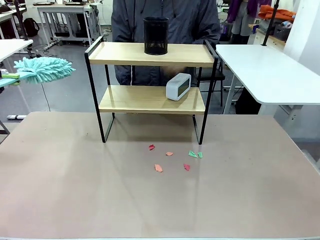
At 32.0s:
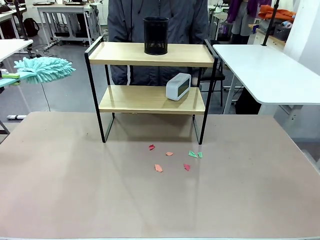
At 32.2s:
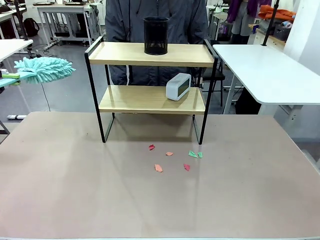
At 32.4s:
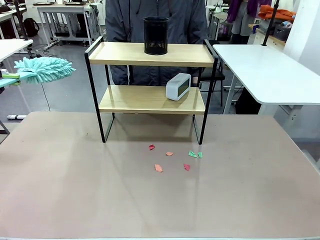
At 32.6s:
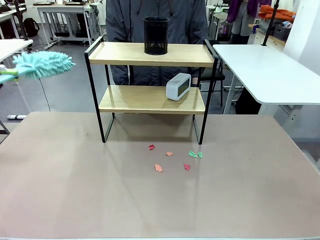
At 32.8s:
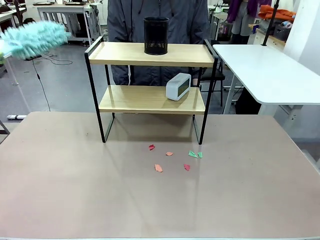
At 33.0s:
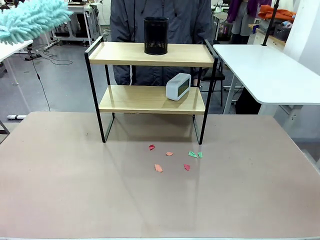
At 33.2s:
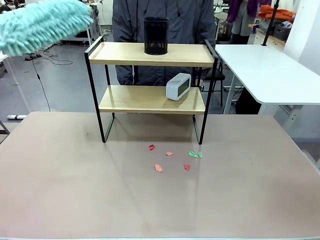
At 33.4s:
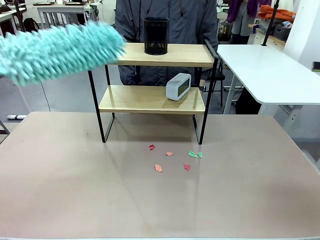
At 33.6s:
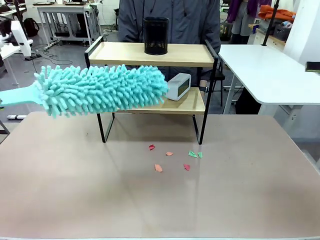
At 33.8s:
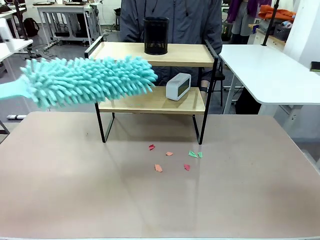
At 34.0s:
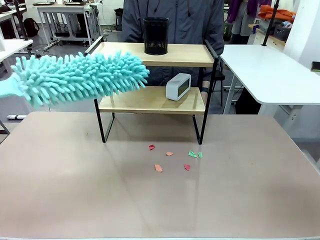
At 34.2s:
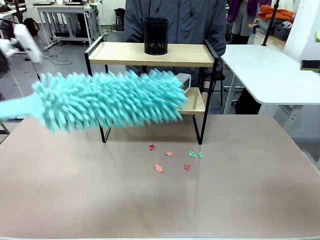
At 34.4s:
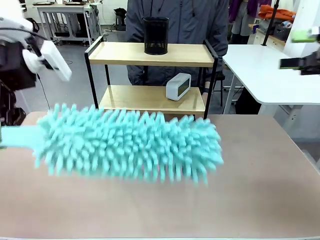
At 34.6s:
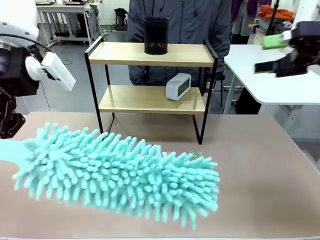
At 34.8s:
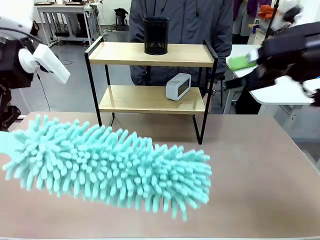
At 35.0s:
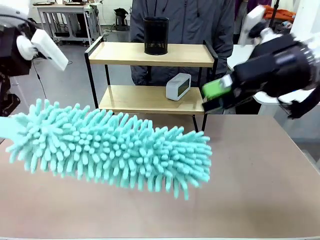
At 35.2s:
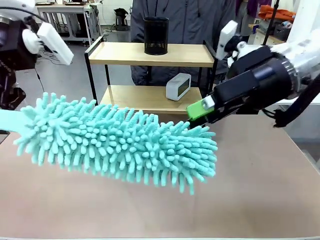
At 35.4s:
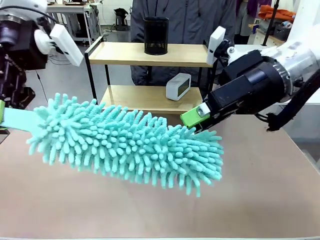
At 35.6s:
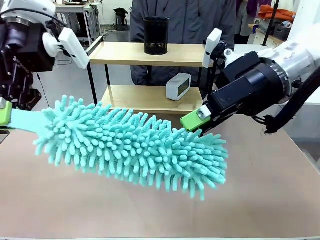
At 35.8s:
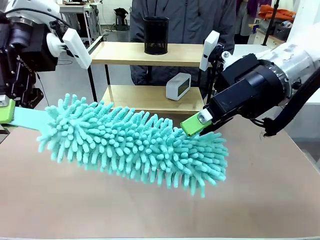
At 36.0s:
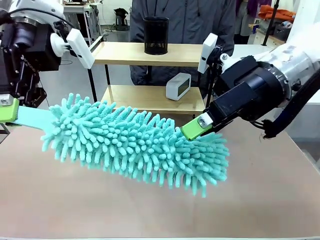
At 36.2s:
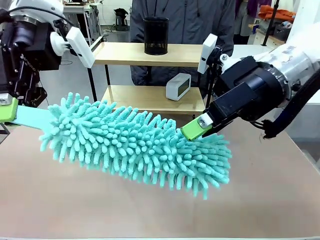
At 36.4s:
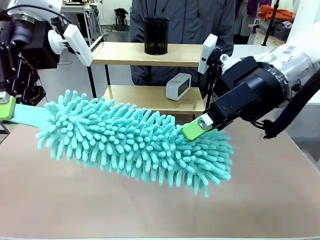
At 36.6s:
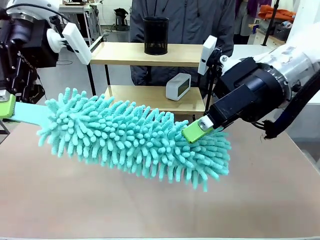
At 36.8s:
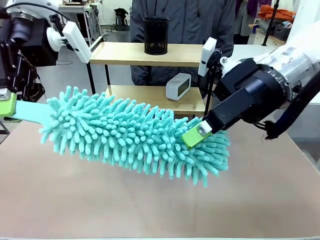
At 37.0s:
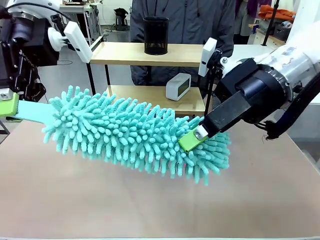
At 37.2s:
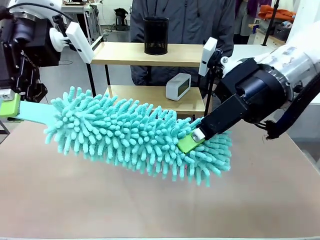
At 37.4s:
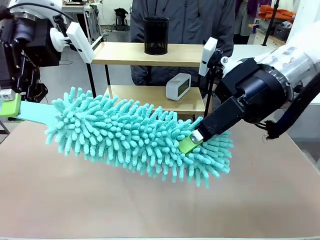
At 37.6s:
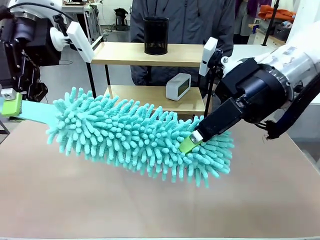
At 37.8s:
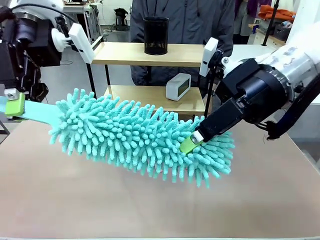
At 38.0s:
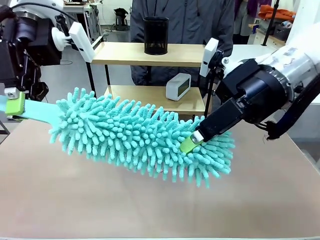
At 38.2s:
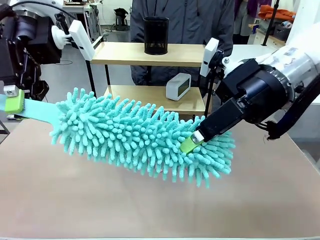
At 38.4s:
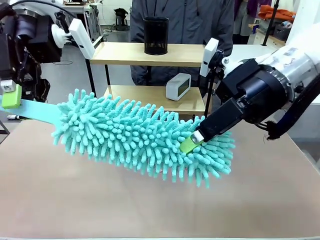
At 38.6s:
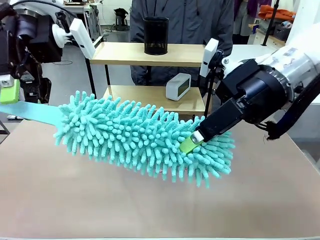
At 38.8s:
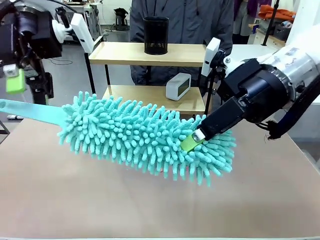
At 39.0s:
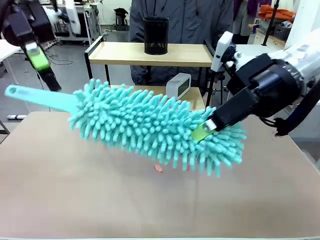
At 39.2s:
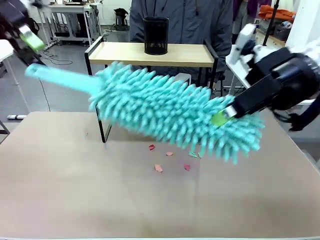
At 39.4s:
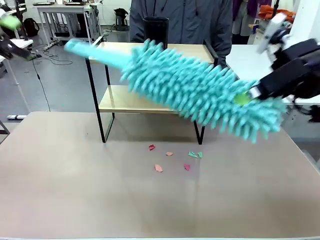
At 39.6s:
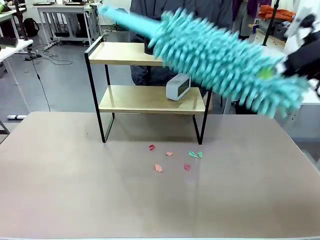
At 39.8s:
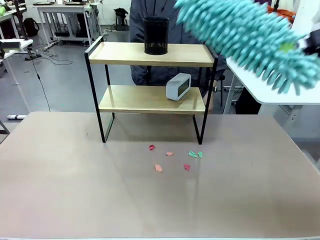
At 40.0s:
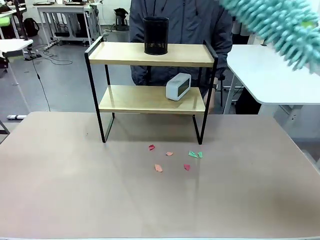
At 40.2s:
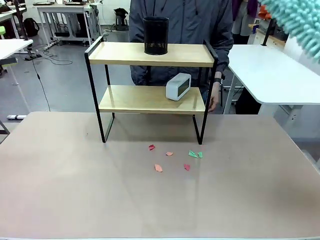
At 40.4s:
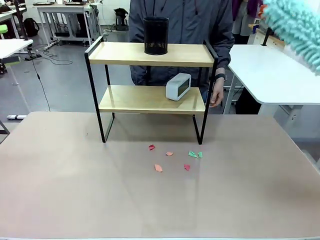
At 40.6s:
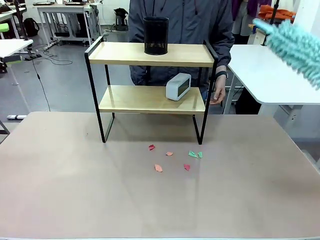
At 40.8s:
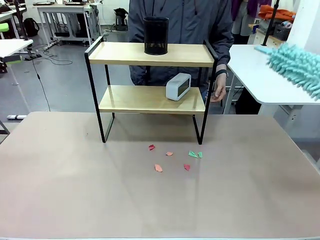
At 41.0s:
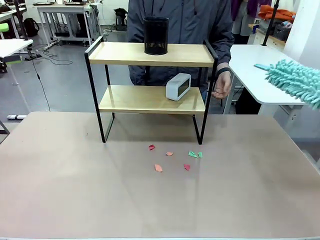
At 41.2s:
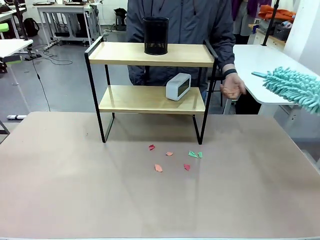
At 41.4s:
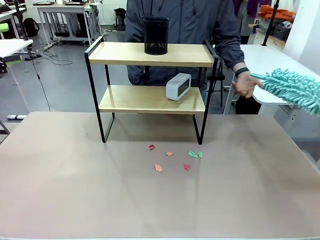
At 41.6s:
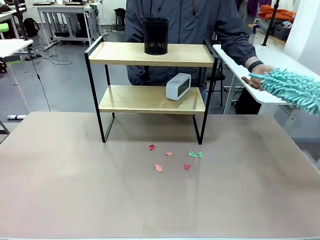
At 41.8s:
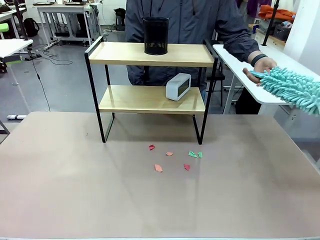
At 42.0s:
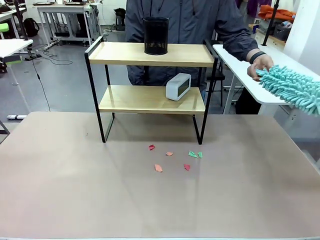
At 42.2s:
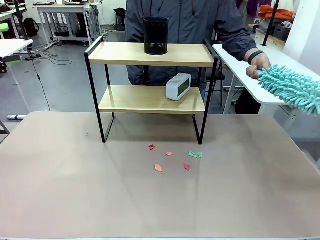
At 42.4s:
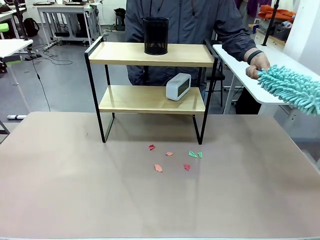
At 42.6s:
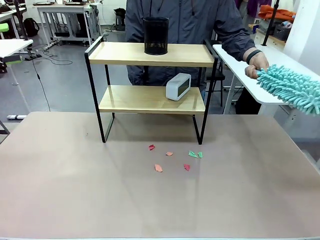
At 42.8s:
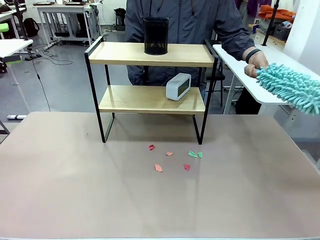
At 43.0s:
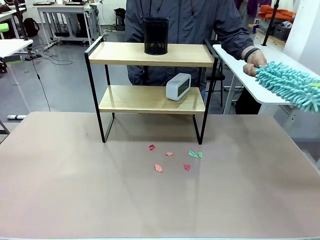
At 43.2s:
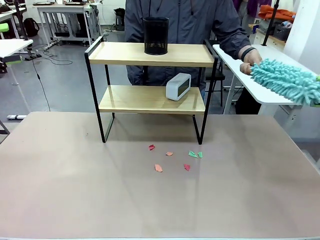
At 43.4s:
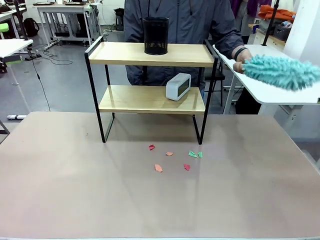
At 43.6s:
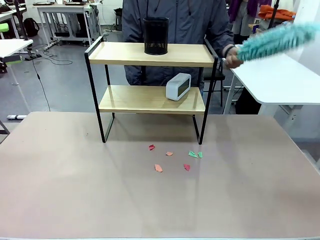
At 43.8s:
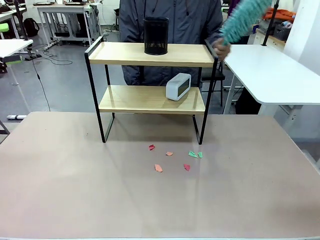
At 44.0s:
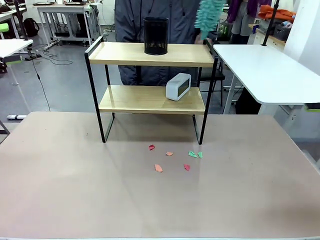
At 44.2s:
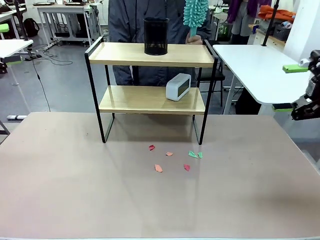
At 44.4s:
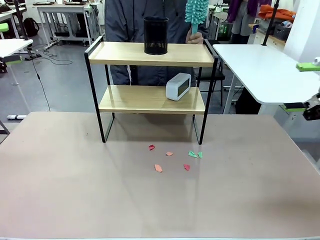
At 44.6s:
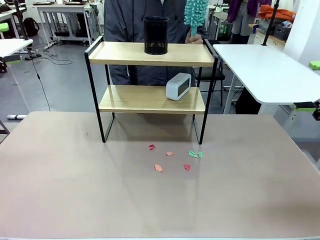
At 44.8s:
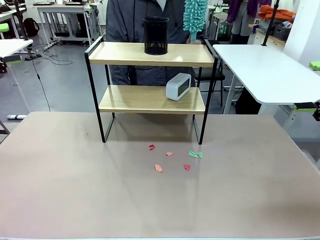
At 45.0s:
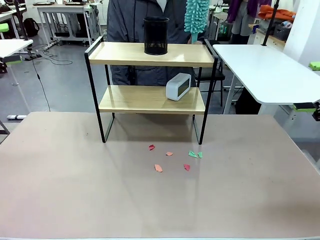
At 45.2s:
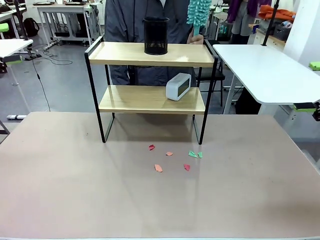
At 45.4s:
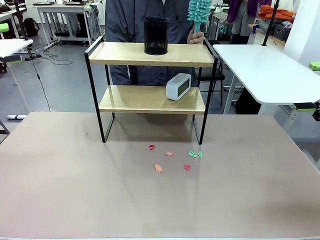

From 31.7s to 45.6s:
Task: Clean the shelf.
Robot: Hand the Duster back to the human.
Person: Receive the Duster from the robot.
